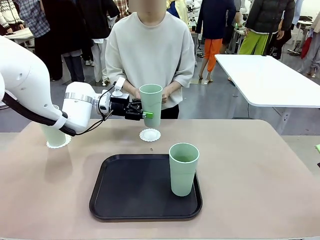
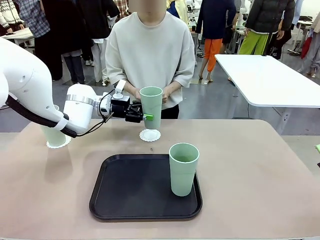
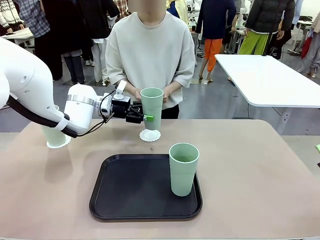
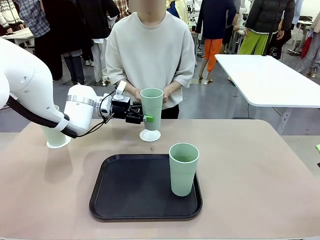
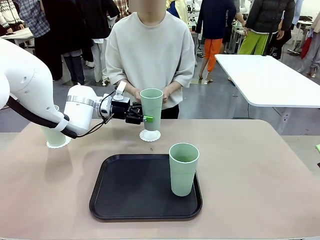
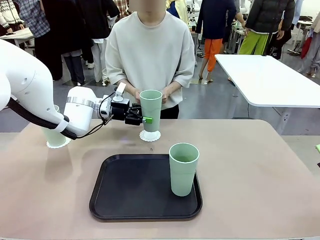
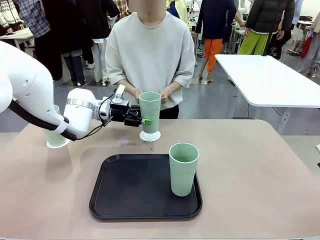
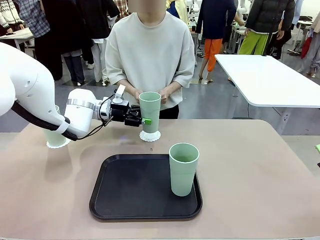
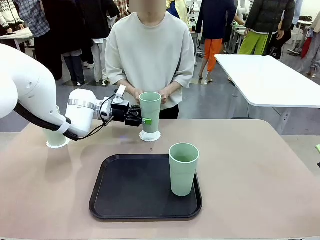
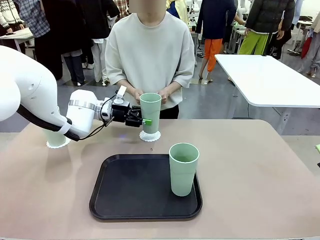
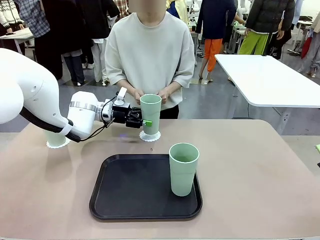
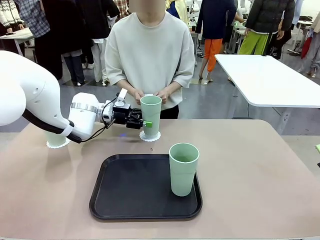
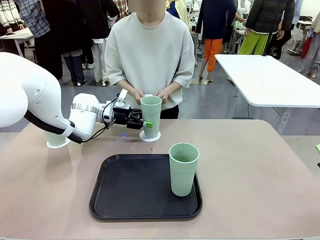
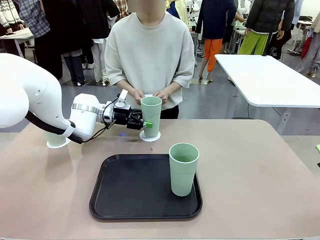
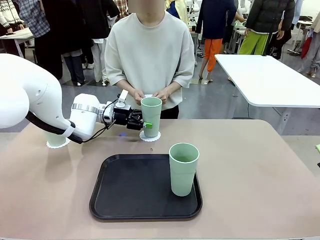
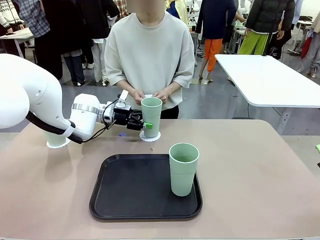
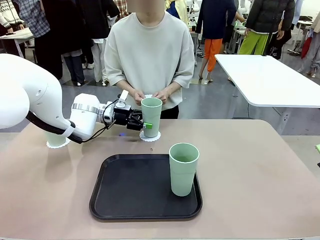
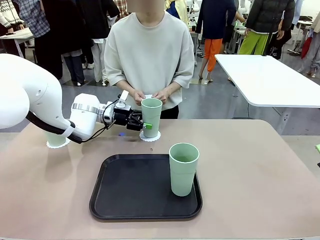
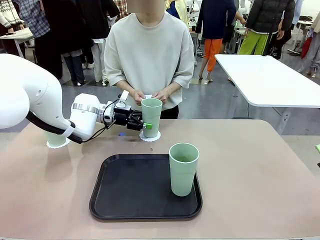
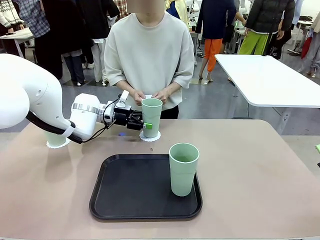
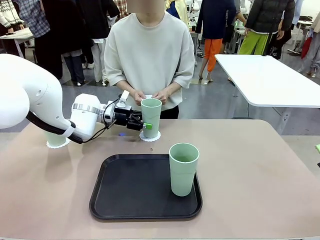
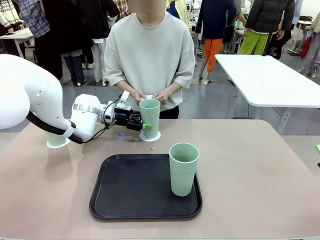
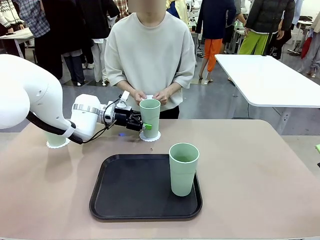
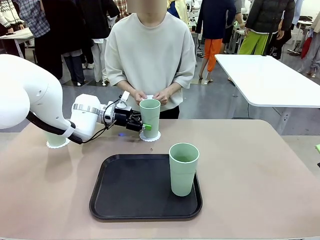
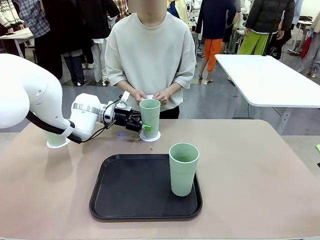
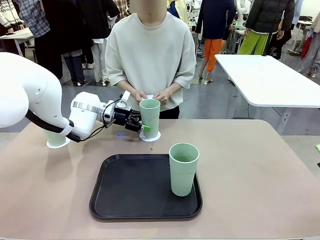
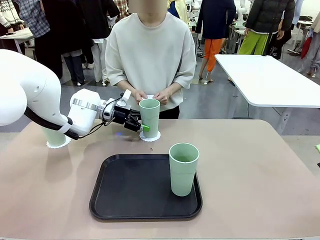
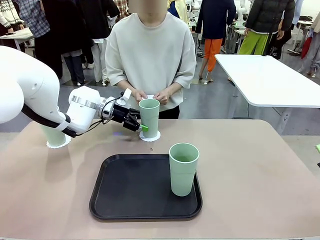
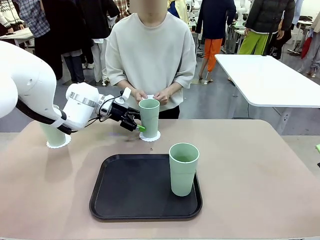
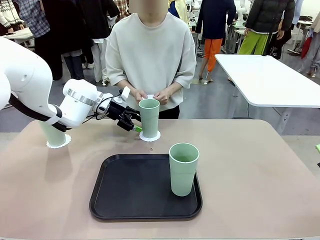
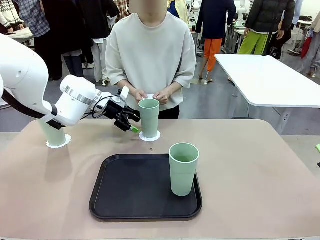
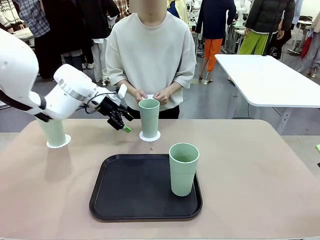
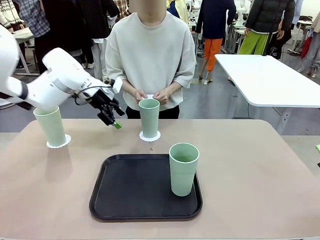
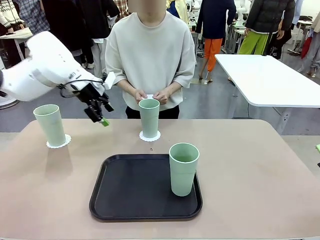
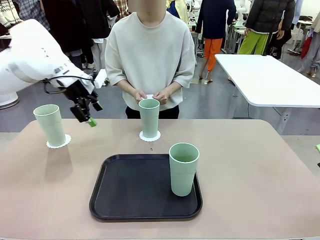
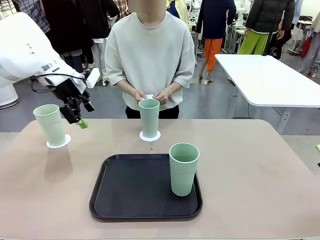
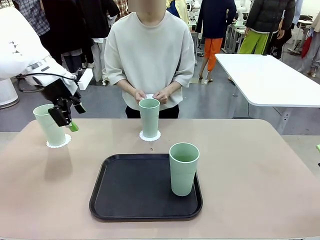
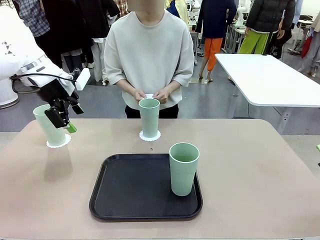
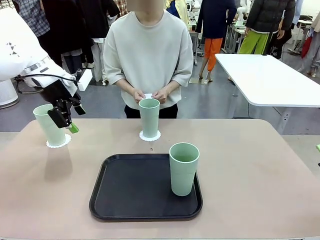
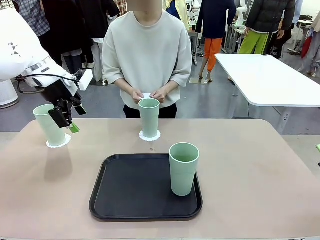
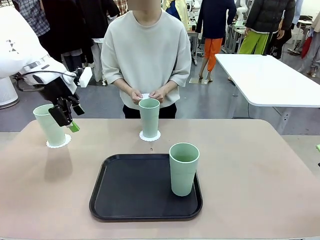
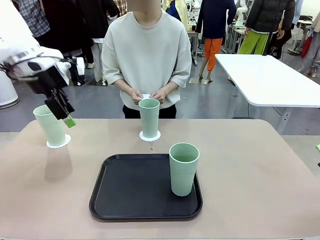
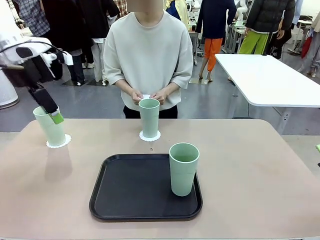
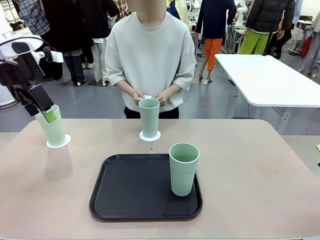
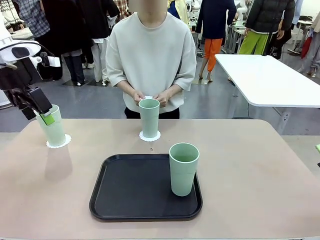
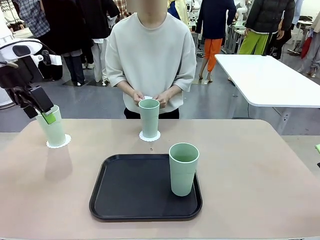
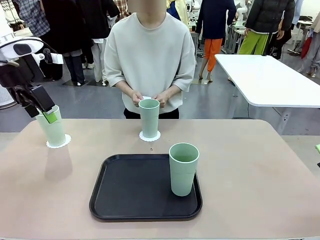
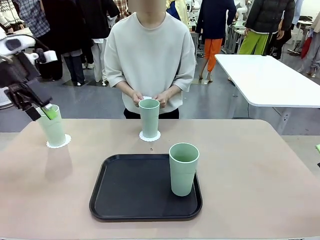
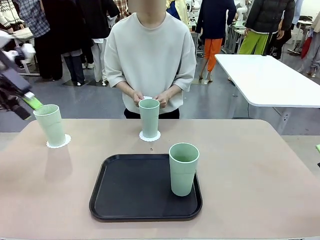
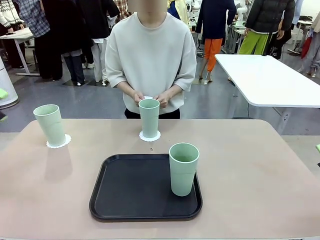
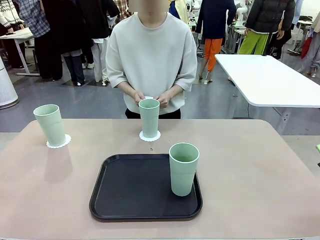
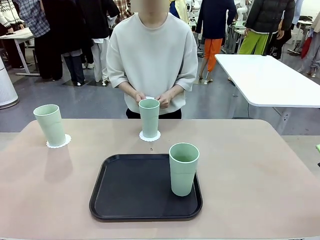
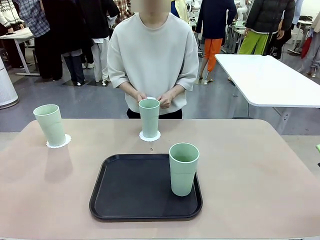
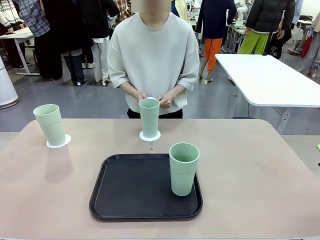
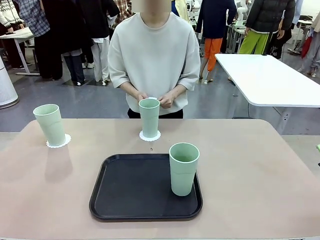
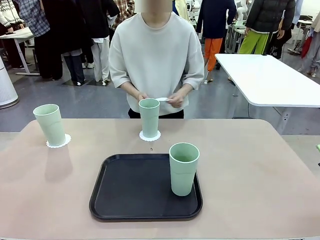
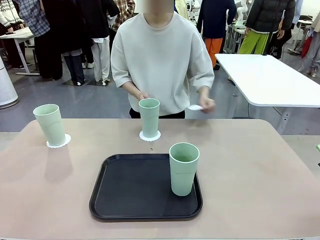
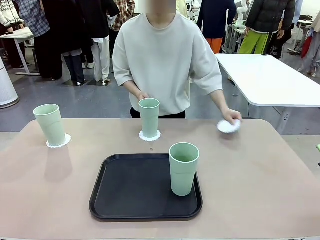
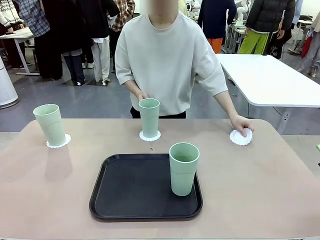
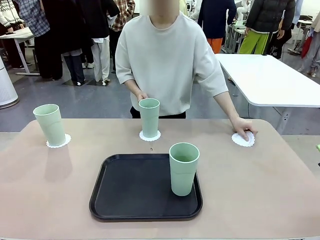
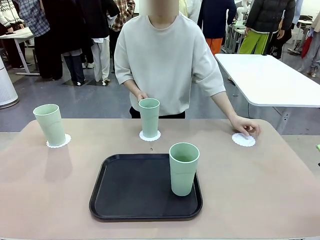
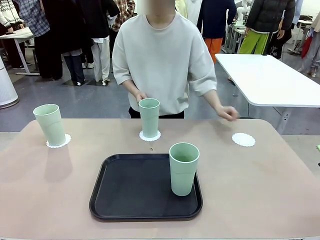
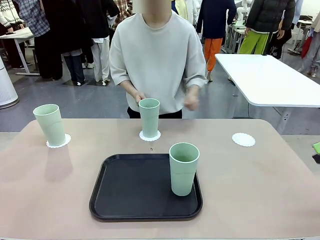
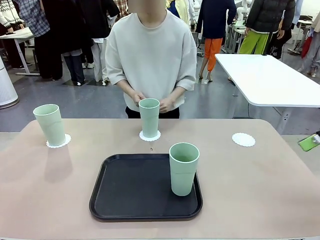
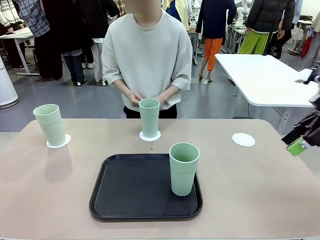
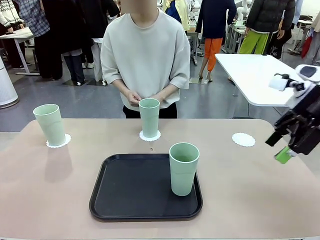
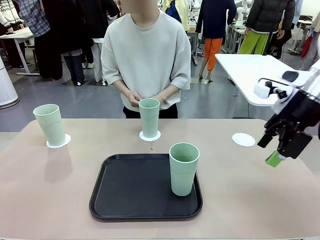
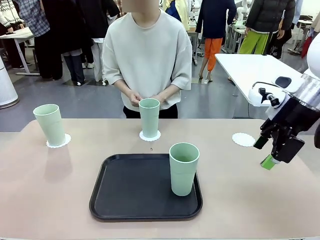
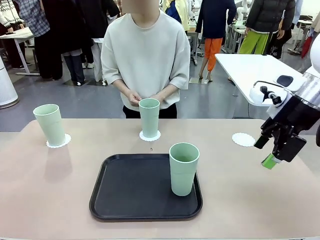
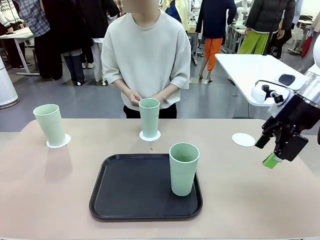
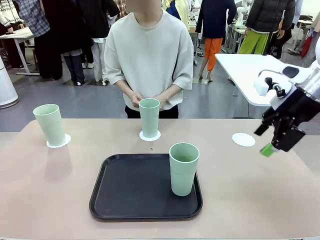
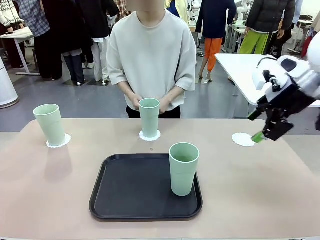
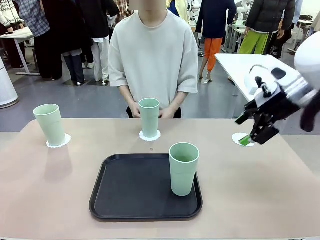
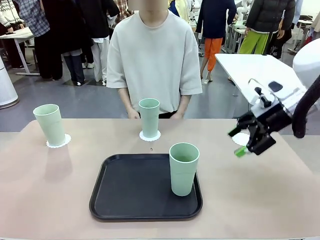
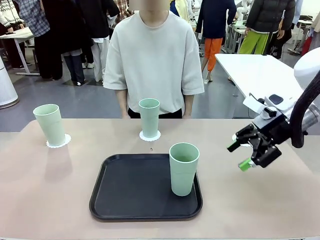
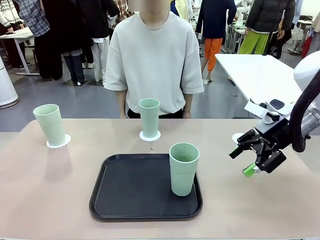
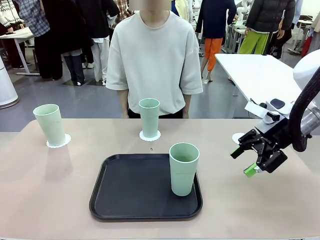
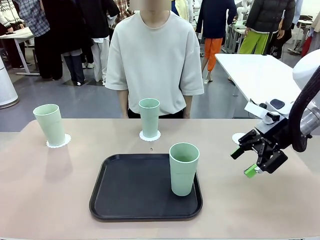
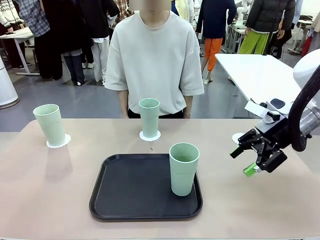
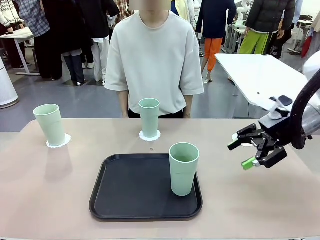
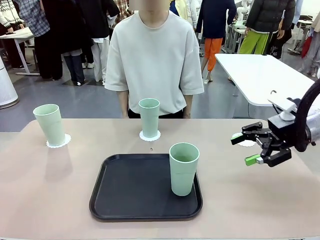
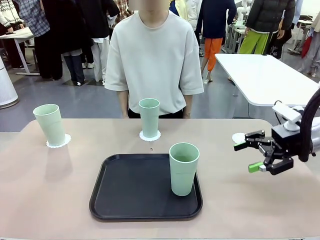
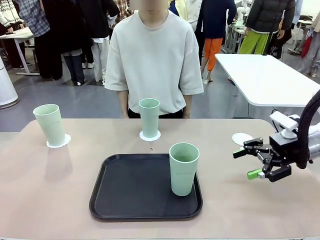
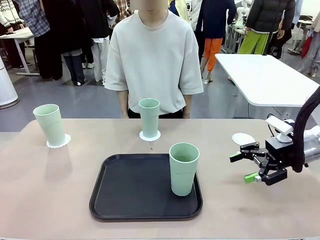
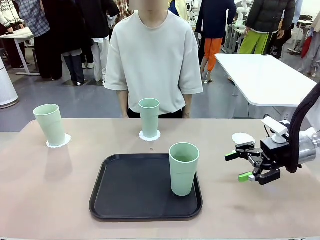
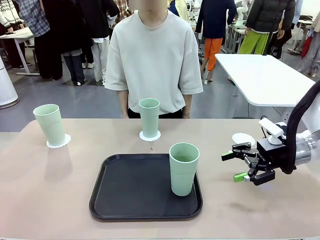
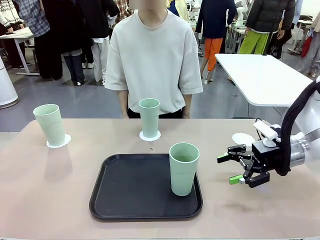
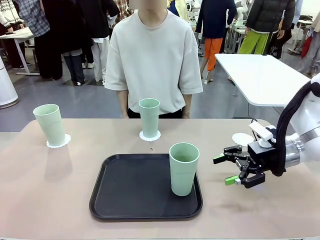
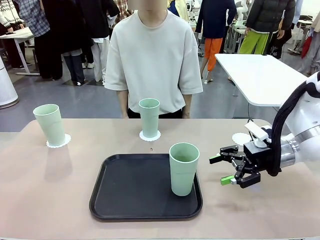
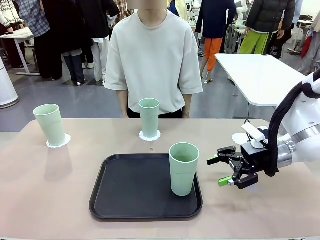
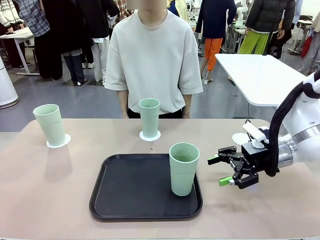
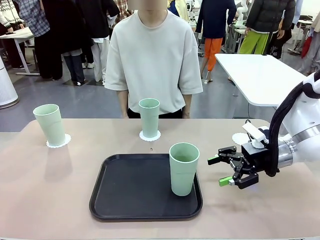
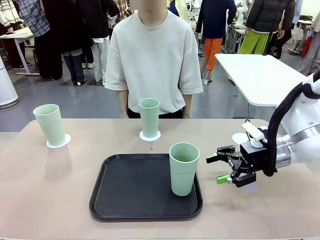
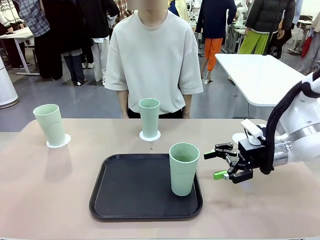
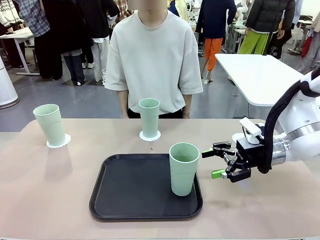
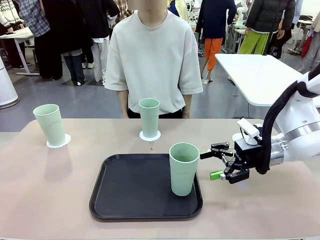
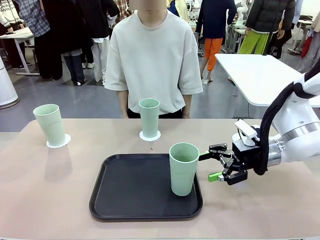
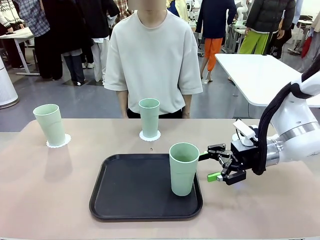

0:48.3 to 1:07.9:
Task: Place coasters on the table and set cups on them.
Robot: Take one Reusable plastic cup from the Flat Tray and place it on a coaster set by the human.
